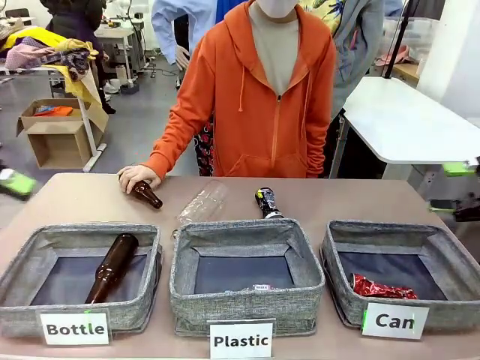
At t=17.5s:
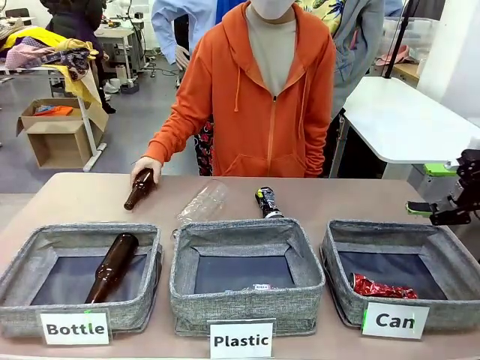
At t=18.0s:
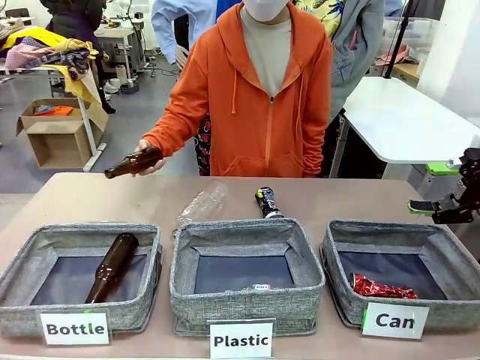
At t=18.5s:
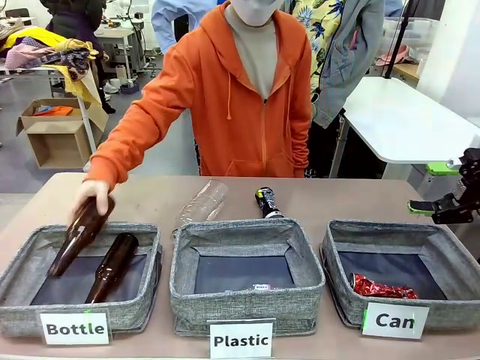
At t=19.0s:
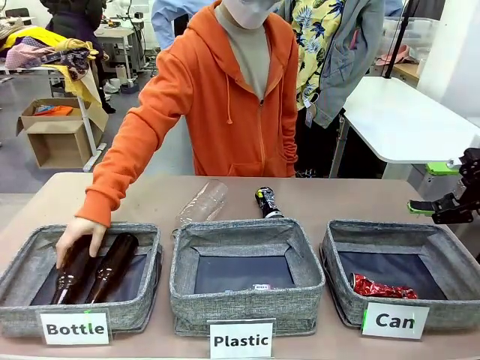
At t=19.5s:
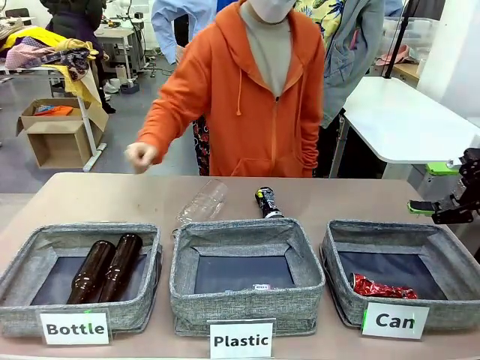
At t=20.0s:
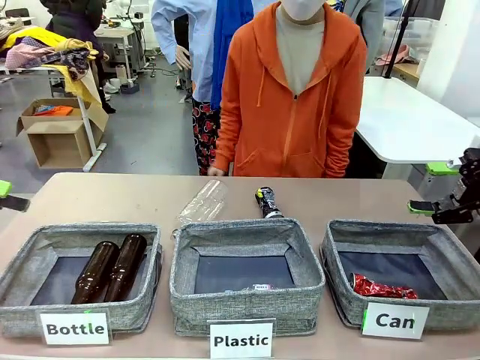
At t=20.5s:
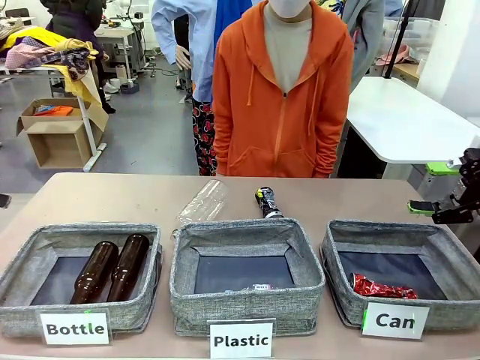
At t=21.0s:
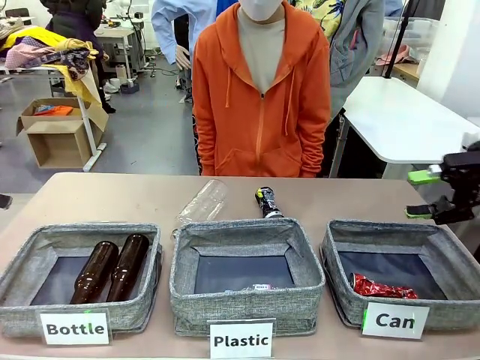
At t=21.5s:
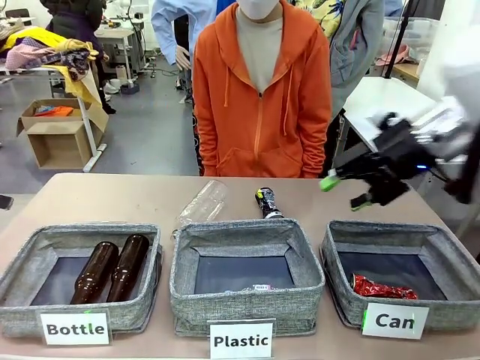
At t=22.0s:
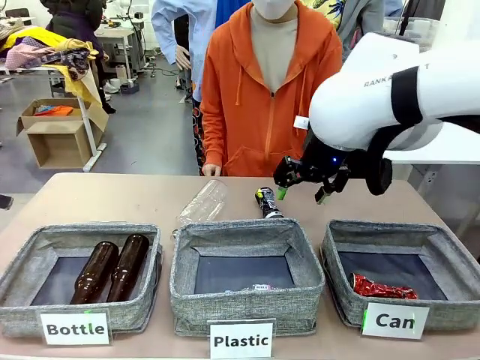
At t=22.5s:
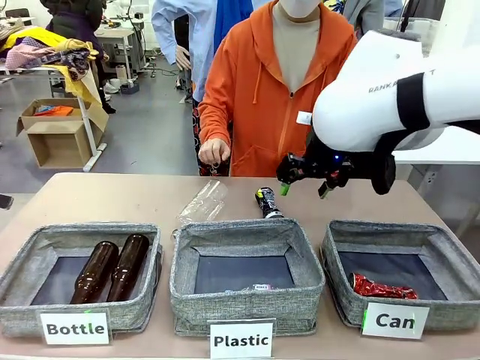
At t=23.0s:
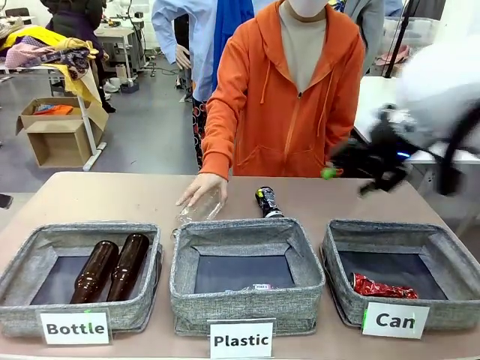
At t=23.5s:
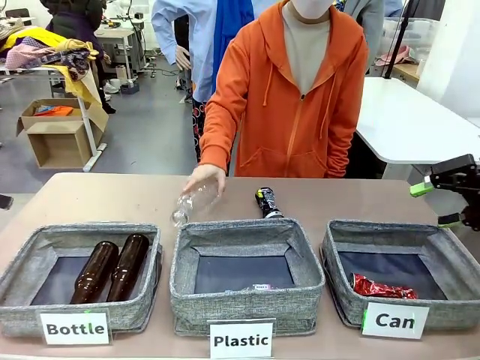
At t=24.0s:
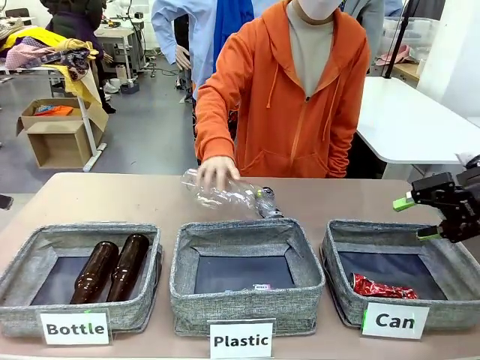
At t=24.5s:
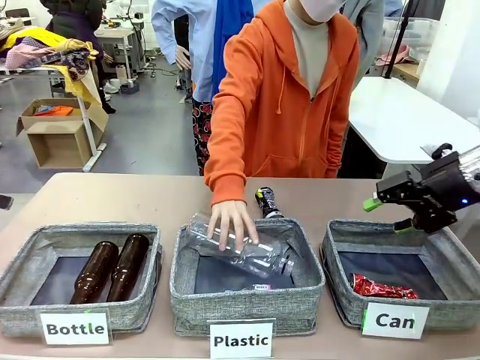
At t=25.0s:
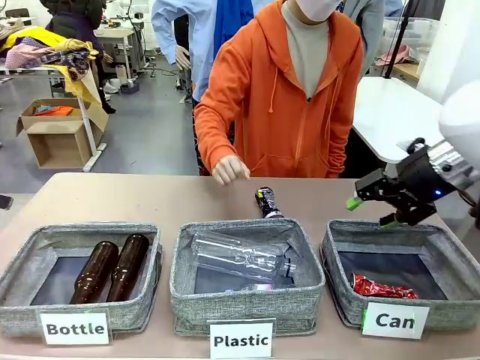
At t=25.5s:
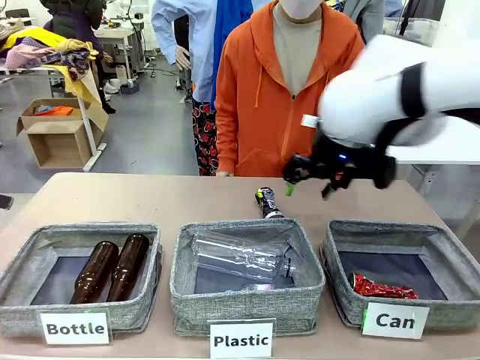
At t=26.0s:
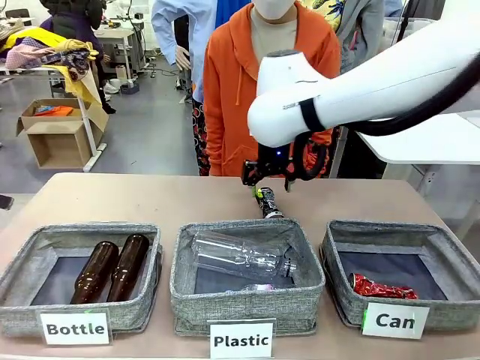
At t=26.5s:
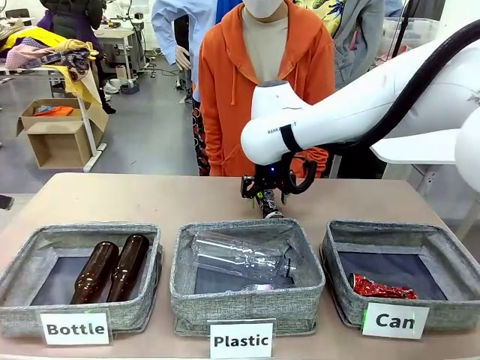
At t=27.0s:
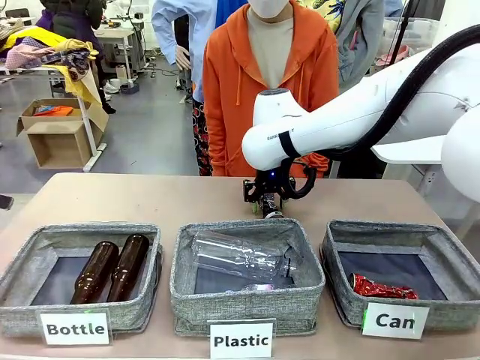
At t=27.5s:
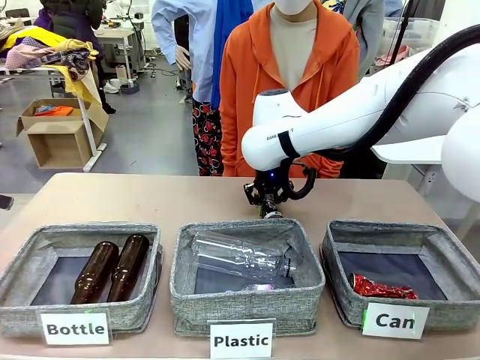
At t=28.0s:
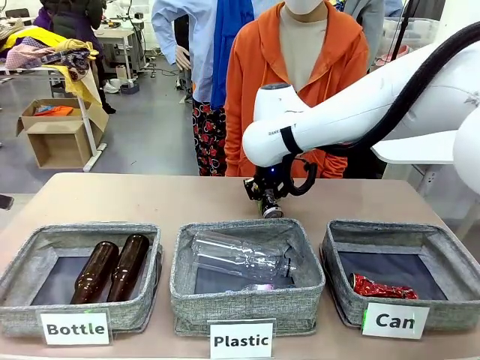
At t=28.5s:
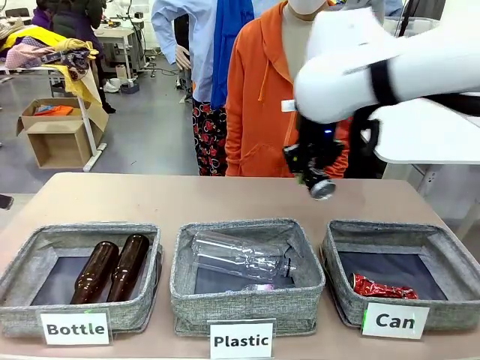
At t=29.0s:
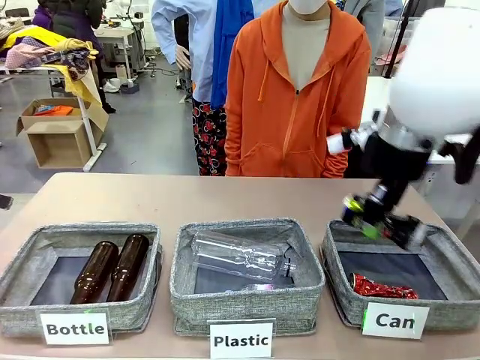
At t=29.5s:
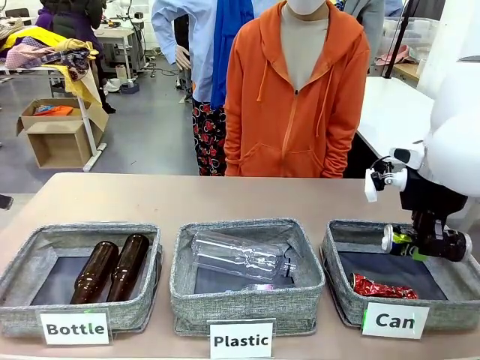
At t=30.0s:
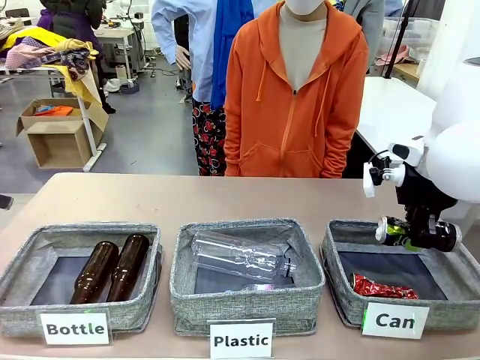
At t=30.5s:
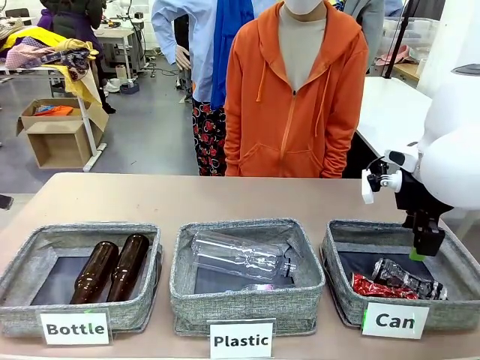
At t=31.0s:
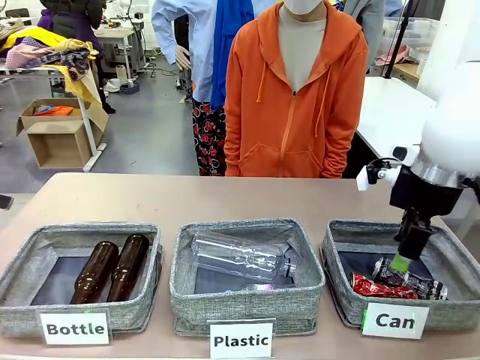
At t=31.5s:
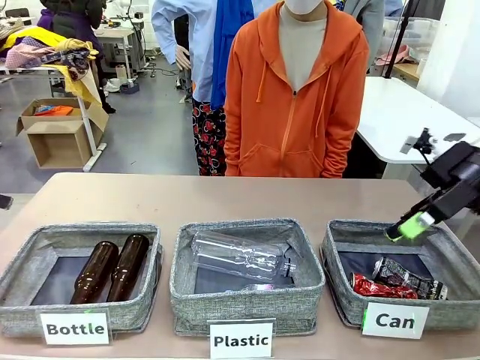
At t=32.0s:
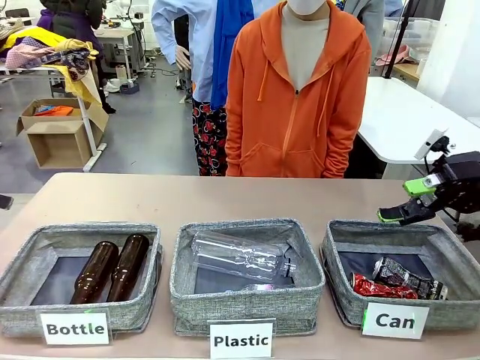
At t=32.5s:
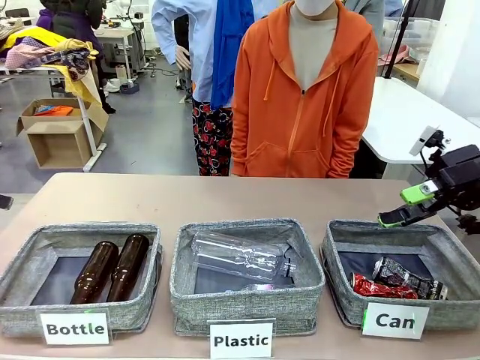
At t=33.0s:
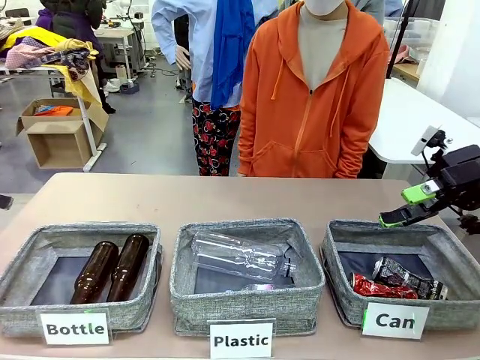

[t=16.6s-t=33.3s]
Task: Sort the can waste into the basket.
Robot: Pick up the can waste from the table and place it in the right Fabric basket.
Person: The human picks up one piece of trash that is not a can and places the trash into the appropriate organizing basket.
